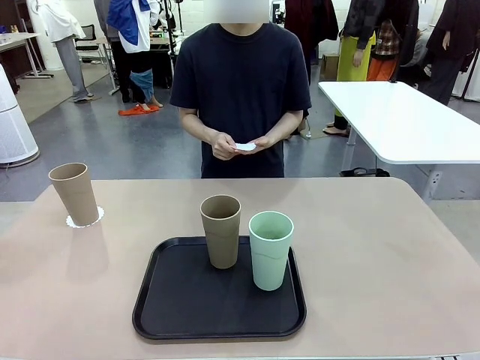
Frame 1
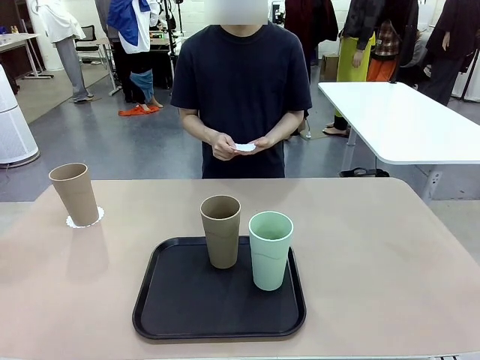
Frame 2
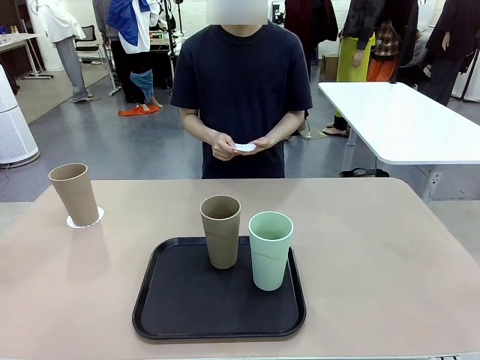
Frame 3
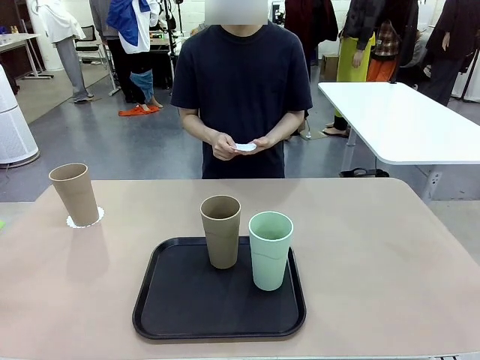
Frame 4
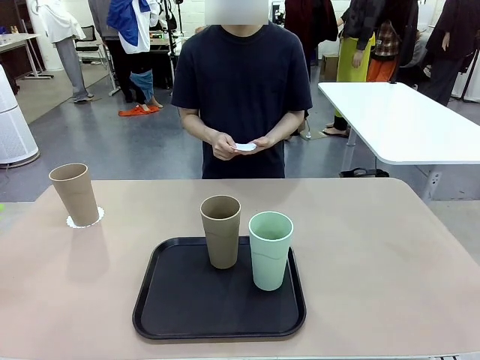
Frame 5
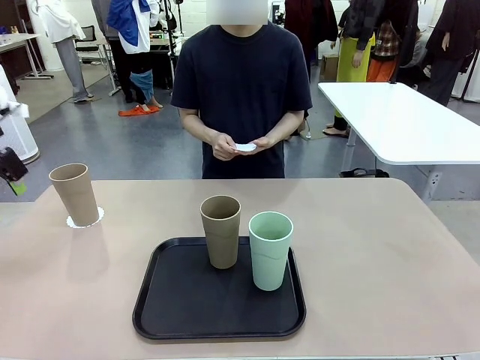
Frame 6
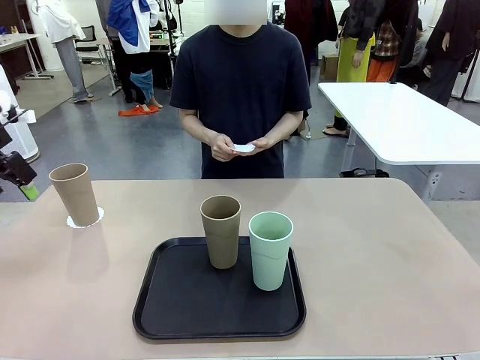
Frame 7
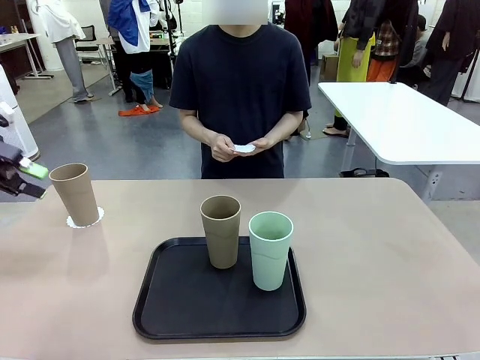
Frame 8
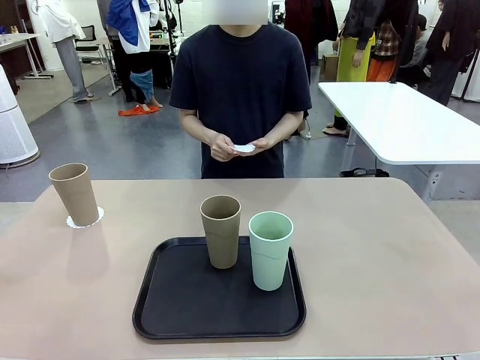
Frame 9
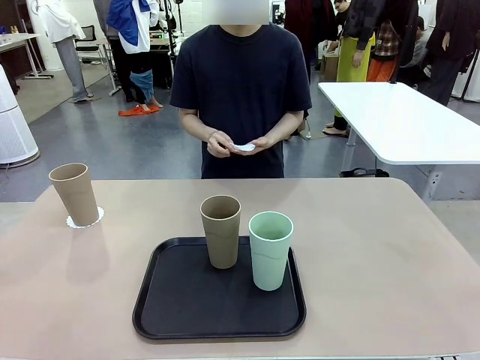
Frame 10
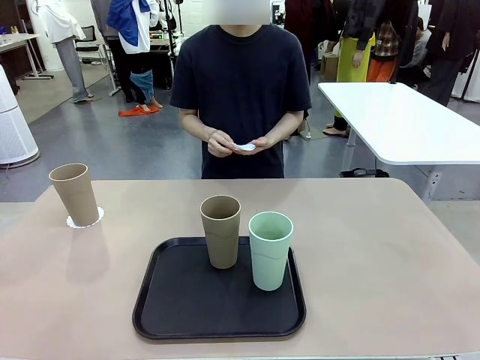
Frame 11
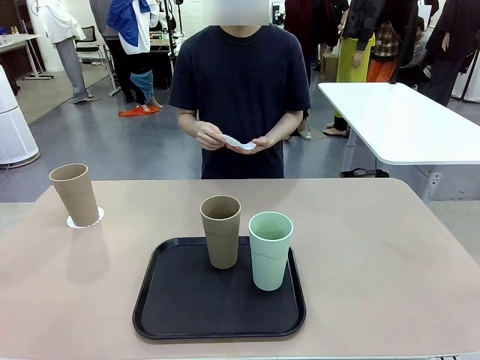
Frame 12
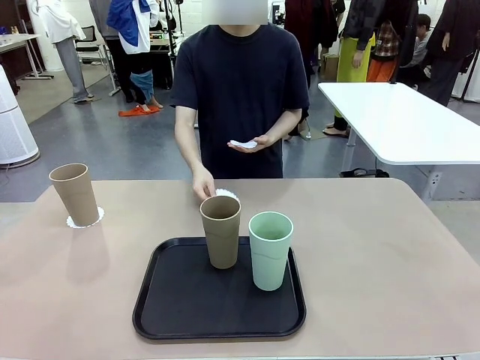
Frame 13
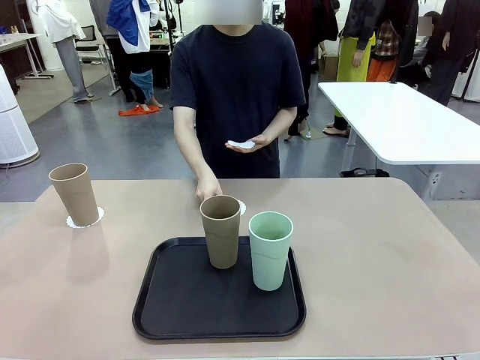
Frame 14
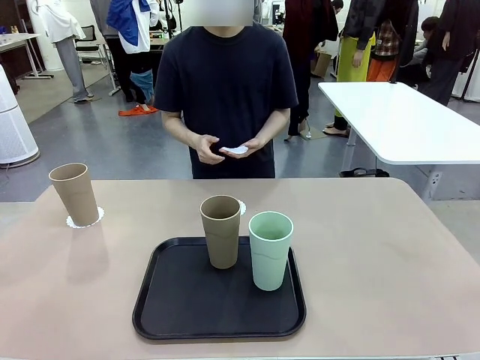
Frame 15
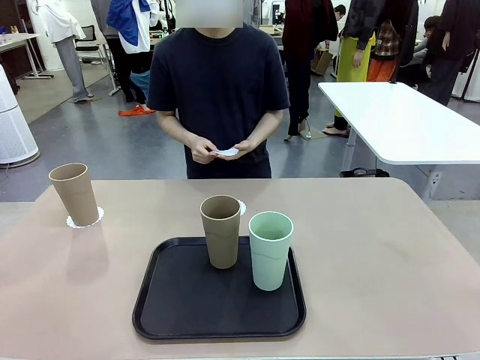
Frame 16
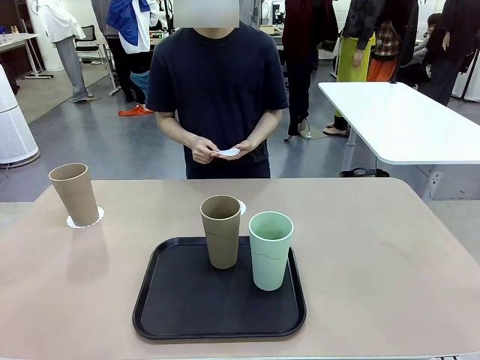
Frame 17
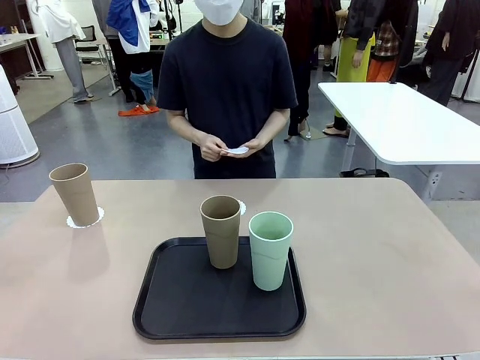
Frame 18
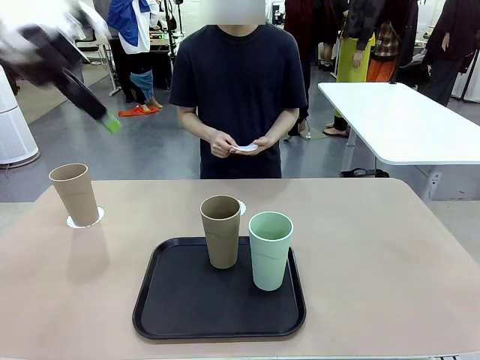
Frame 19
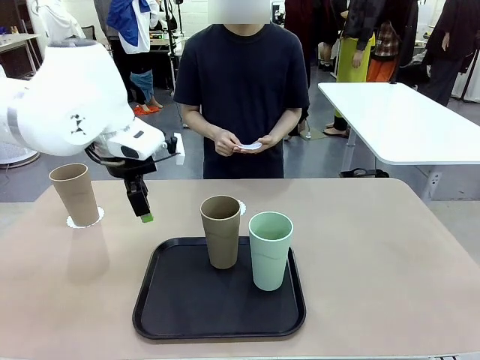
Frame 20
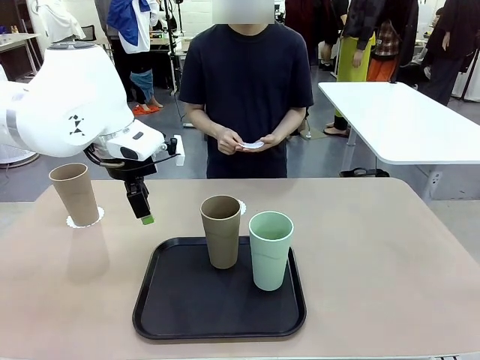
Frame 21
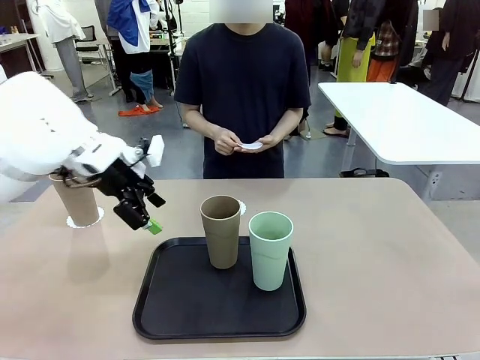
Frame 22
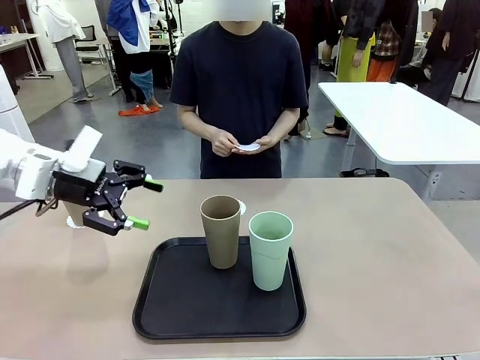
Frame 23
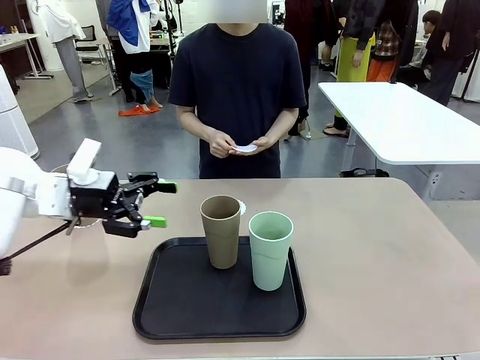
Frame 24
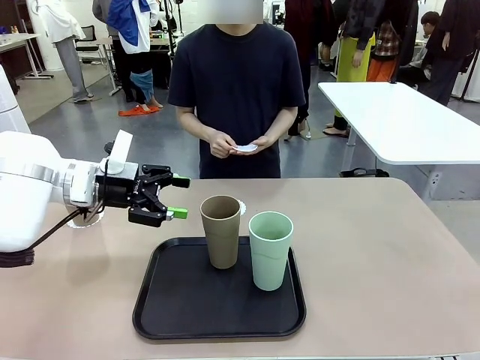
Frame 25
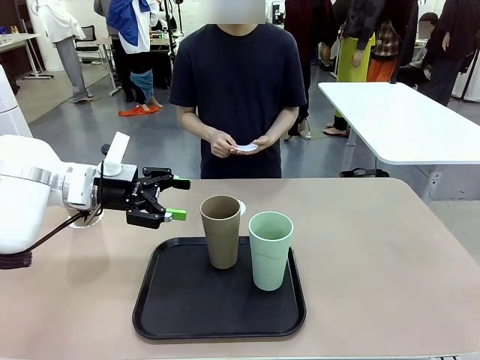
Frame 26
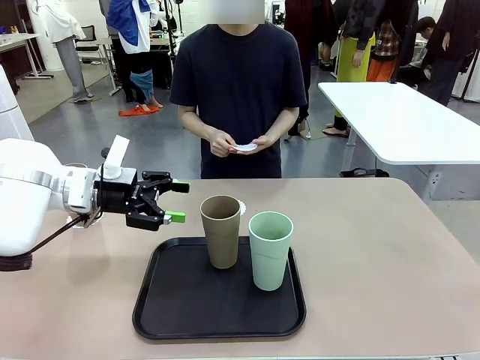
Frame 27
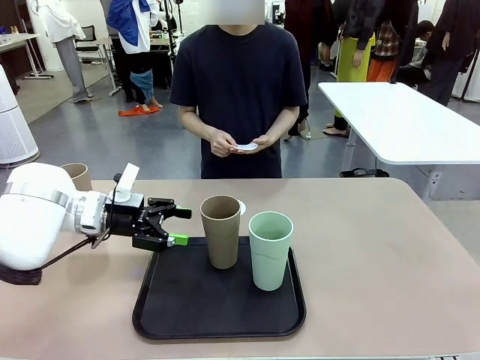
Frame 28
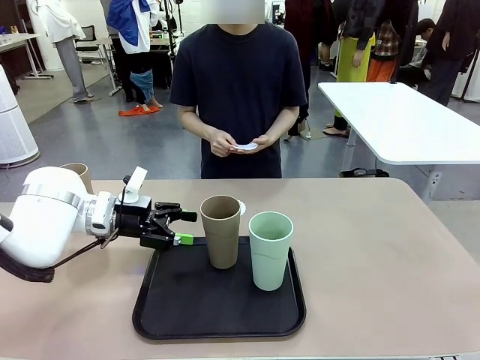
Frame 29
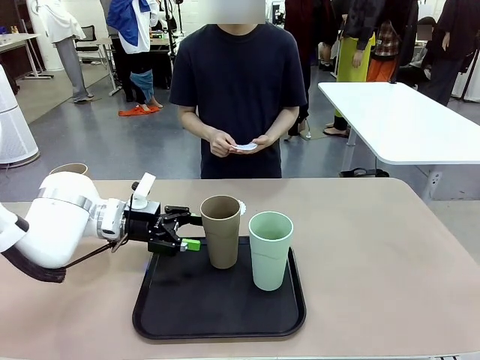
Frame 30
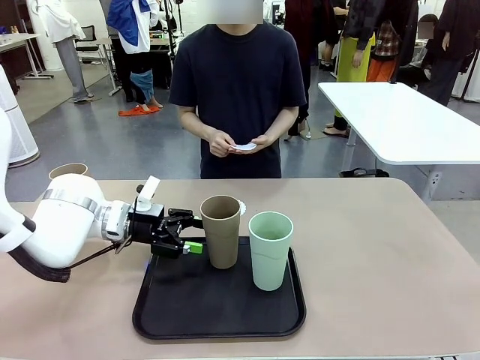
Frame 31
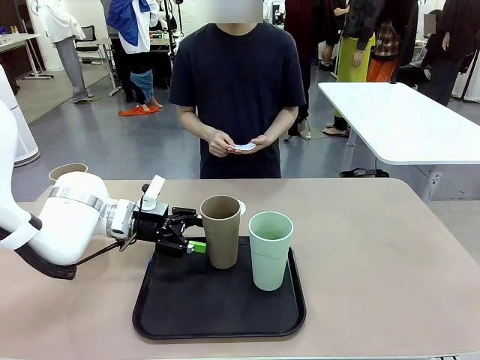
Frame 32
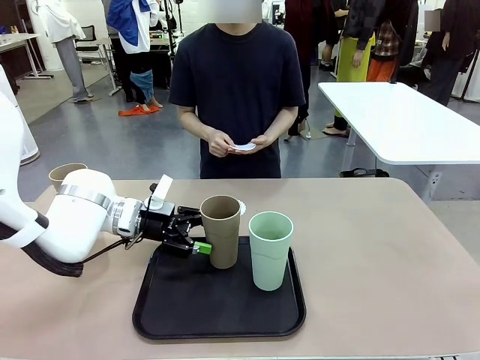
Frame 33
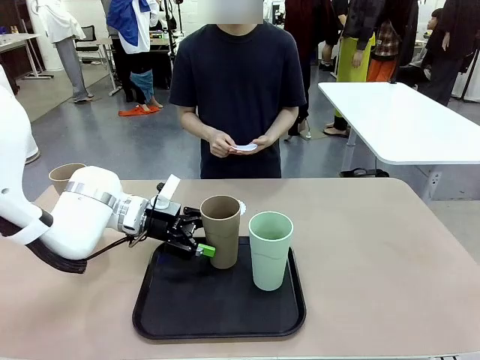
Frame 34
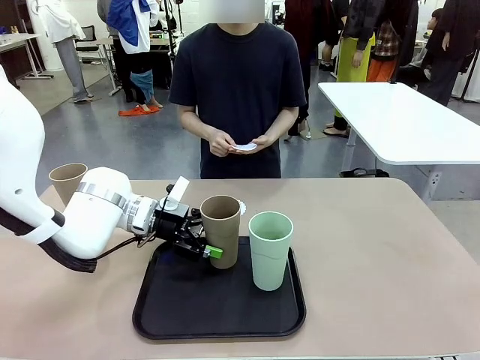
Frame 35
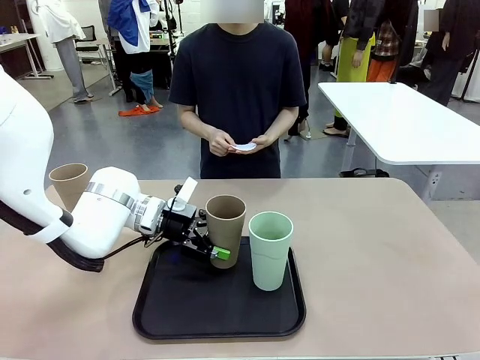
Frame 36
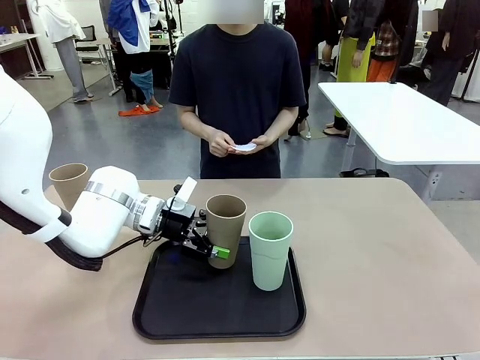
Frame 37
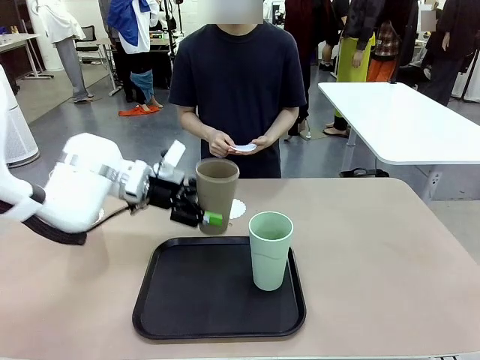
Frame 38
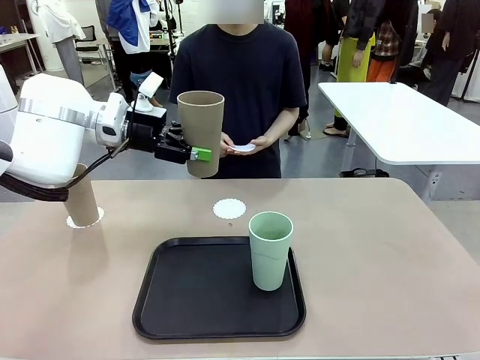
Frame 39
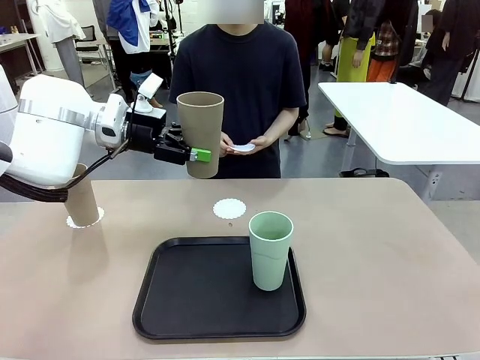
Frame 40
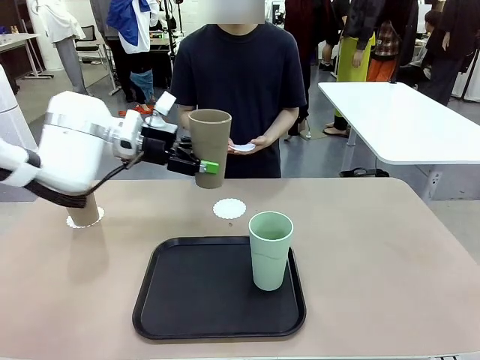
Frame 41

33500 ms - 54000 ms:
Task: Place coasters on the table and set cups on them.
Robot: Take one Reusable plastic cup from the Flat Tray and place it on a coaster set by the human.
